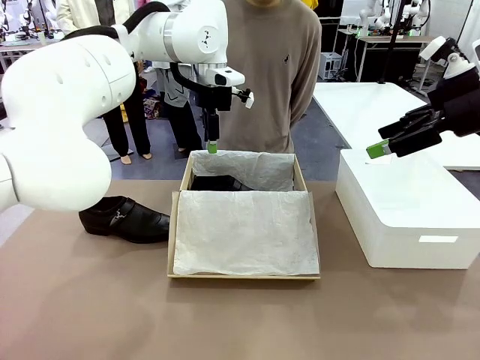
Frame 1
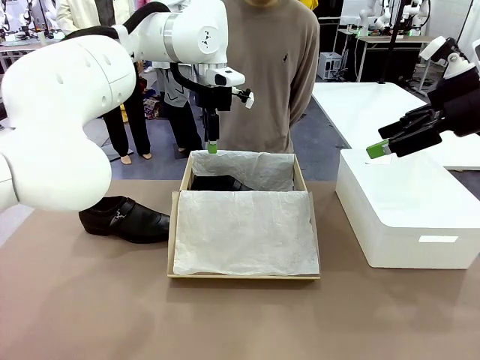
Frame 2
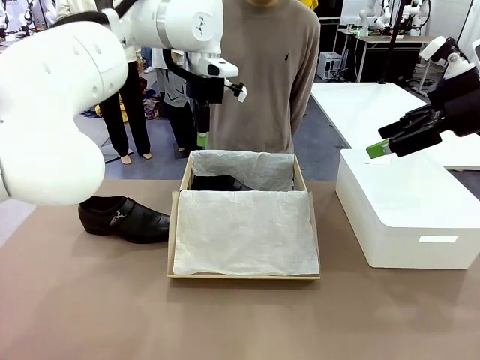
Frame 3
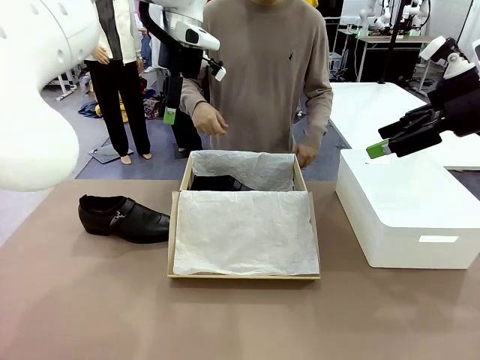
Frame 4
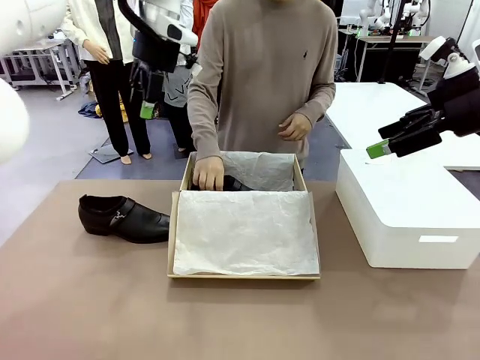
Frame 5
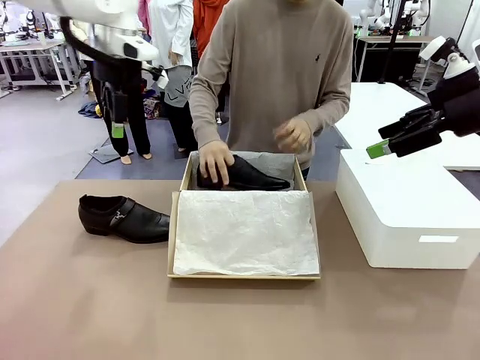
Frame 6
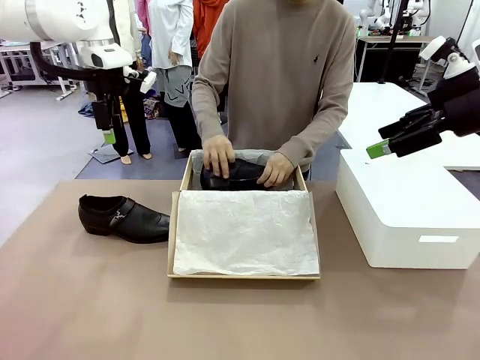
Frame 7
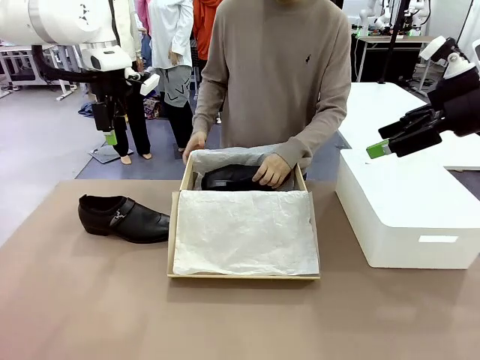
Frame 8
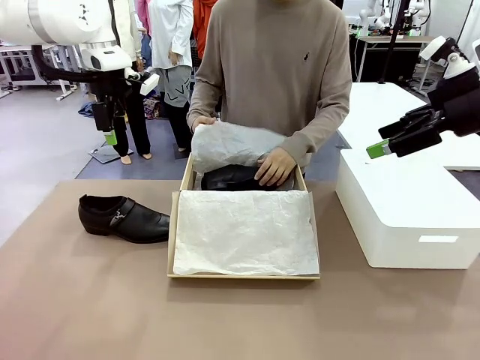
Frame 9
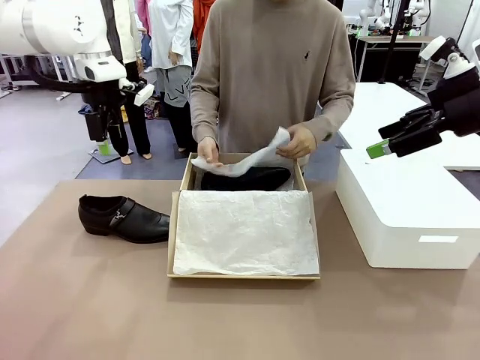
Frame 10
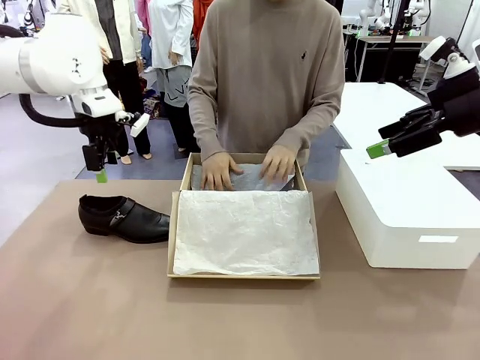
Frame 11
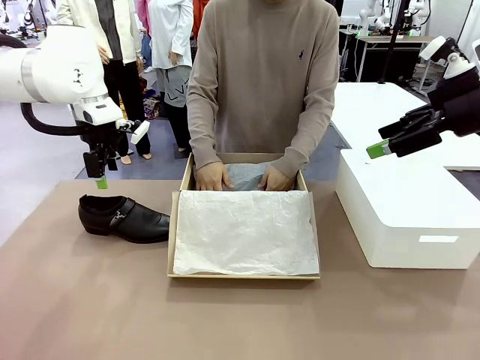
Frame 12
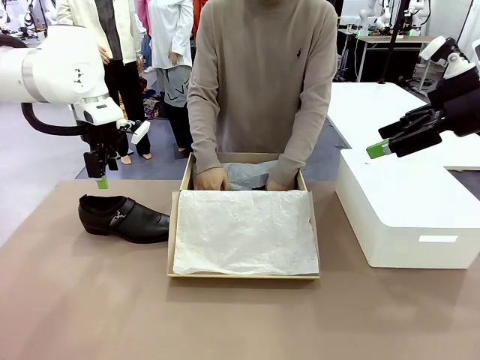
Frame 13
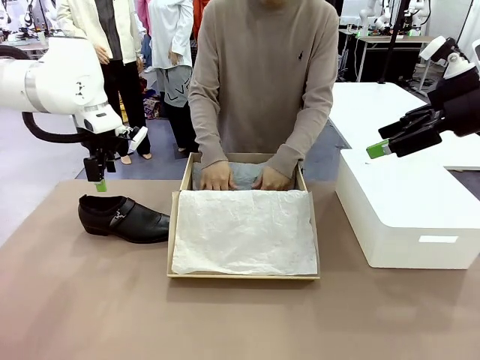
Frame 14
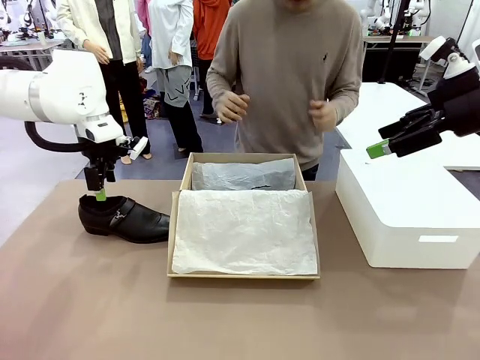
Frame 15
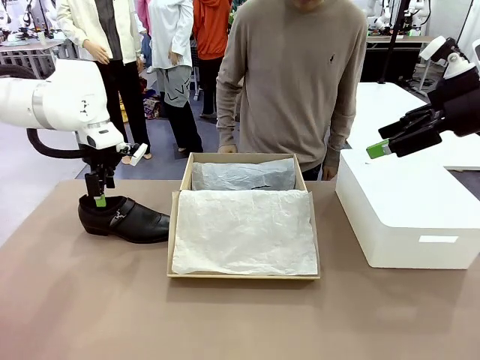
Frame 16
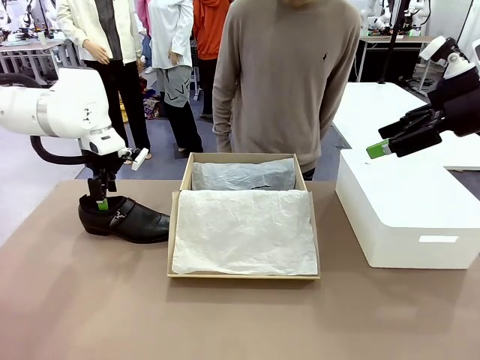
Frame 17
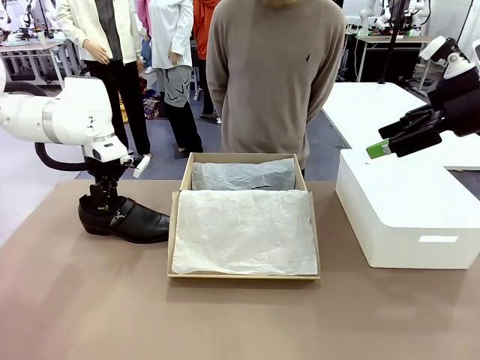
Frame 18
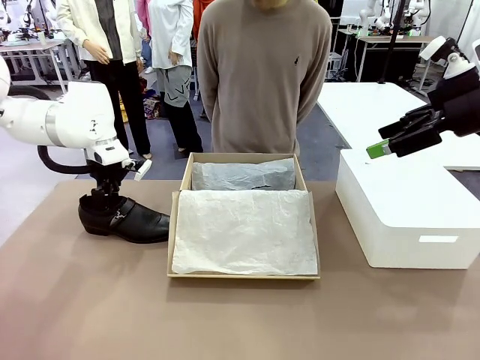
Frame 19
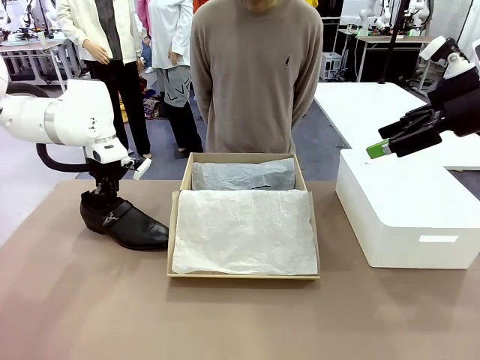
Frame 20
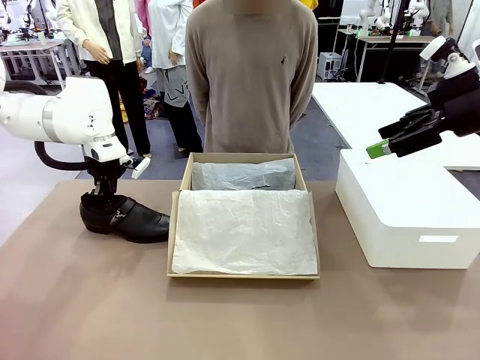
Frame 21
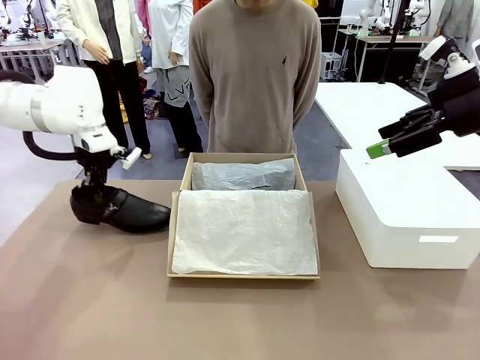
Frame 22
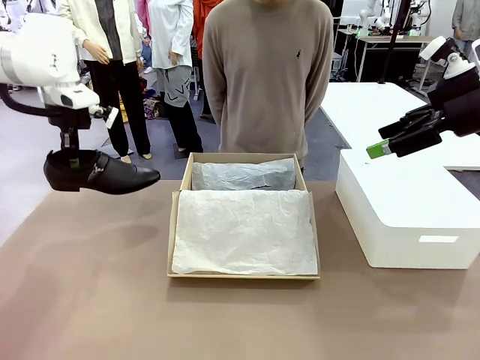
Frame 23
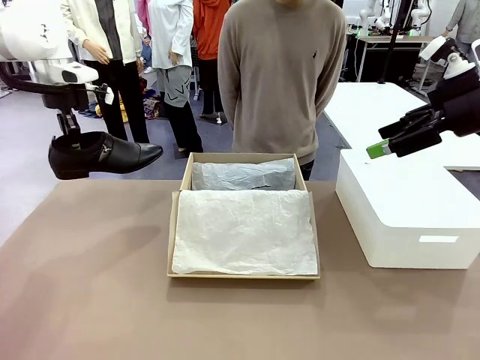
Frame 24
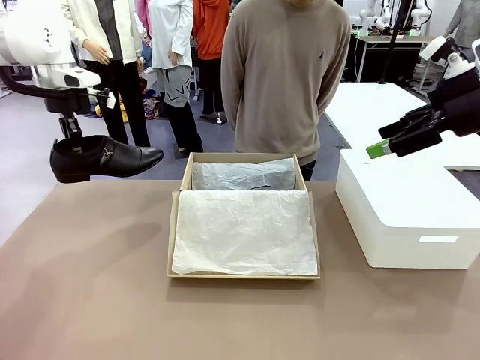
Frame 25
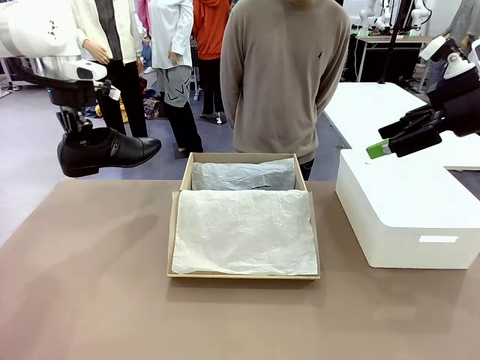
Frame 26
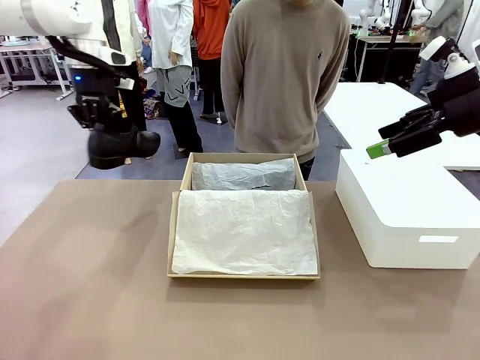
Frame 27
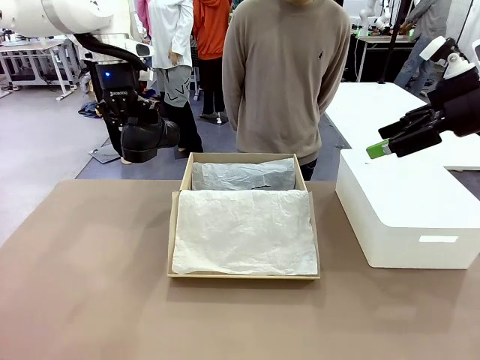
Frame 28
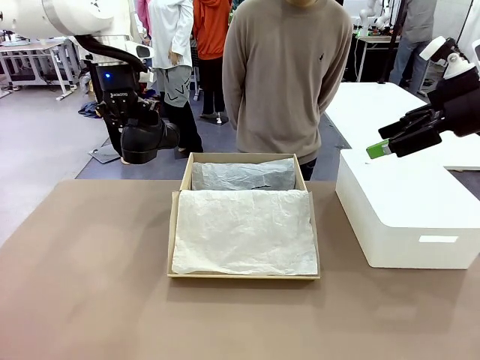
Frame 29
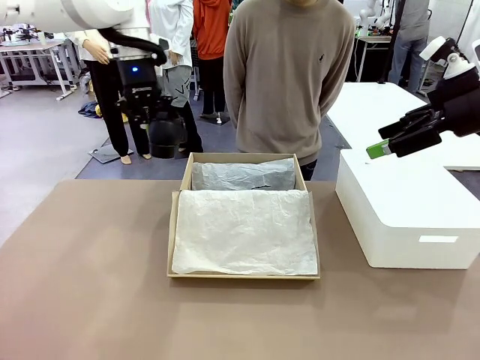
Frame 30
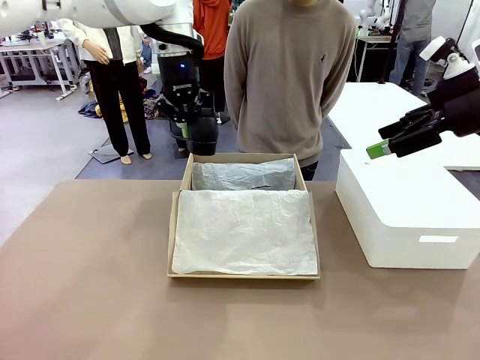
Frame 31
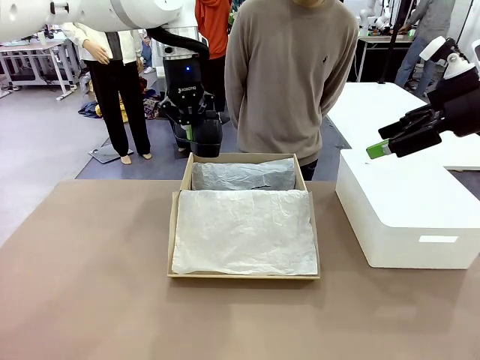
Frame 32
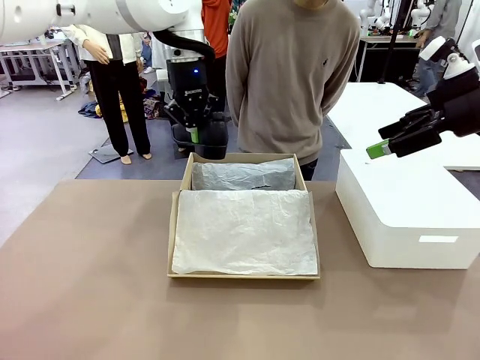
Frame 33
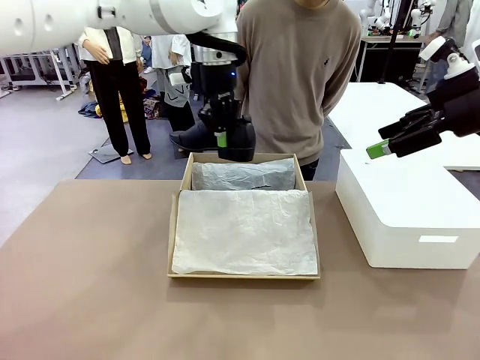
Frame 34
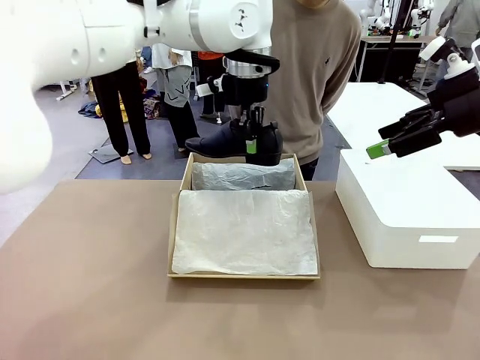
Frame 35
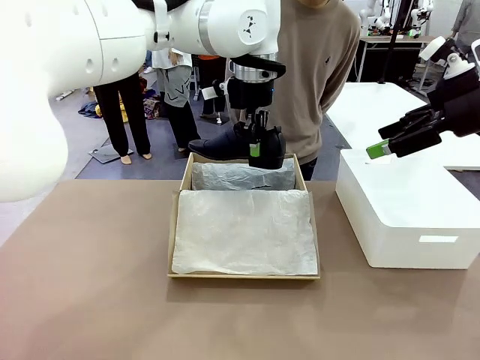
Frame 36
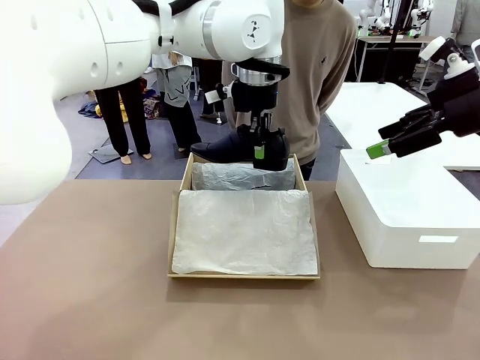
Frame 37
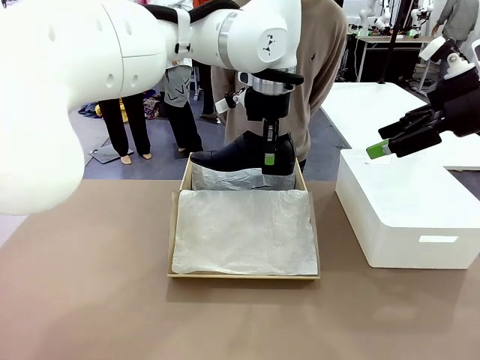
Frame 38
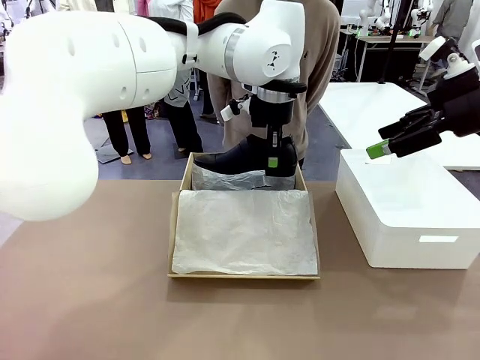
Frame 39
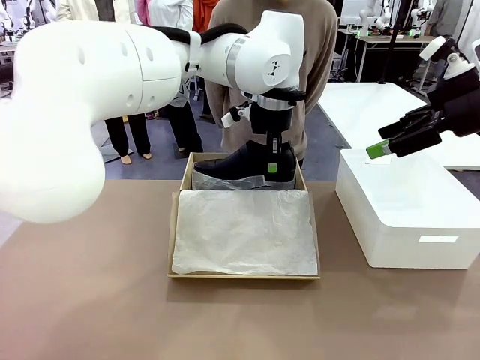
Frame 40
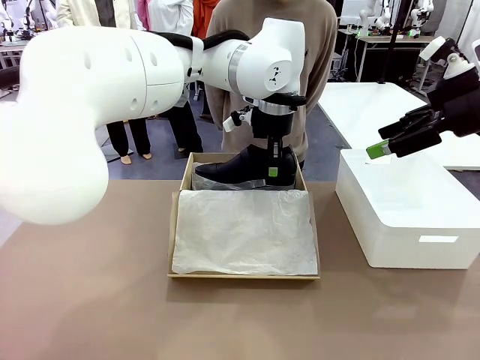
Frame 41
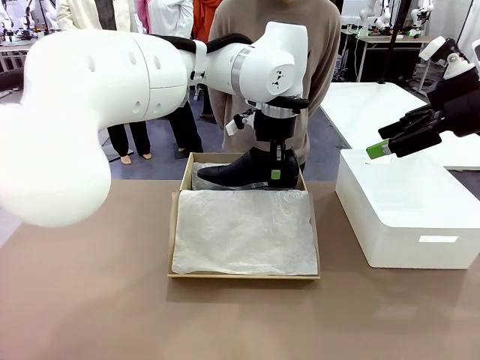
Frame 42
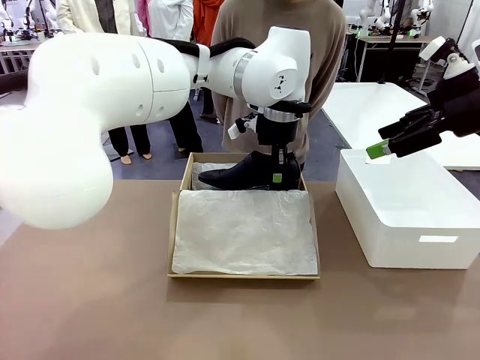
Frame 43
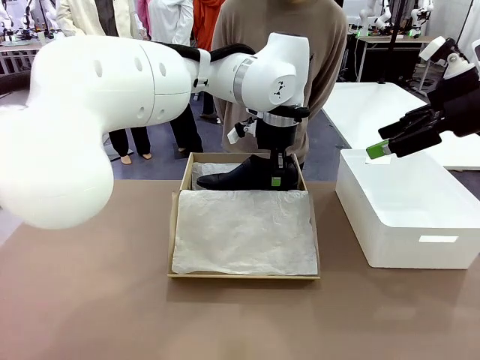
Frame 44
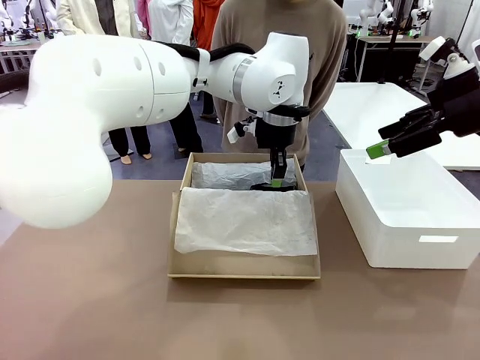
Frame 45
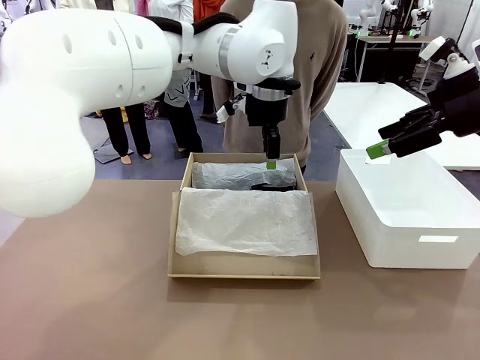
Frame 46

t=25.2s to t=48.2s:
Task: Pack the shoes into the box.
Robot: Place the other shoe of the Shoes into the Shoes Box.
Person: Pack a shoe of Shoes inside the Shoes Box with Shoes Wrapping Paper.

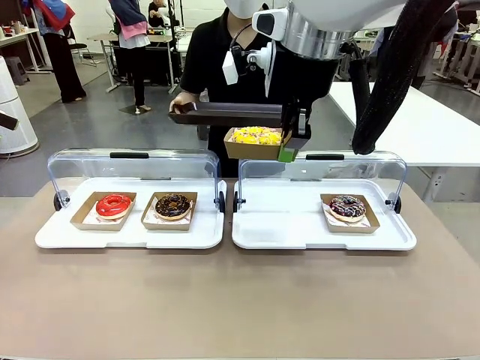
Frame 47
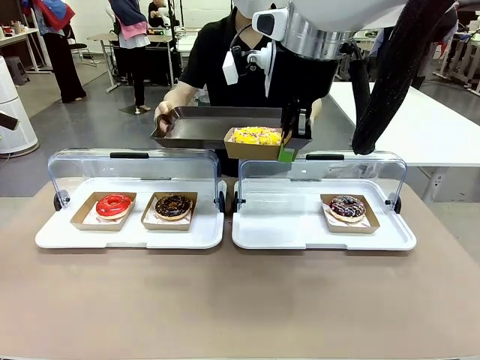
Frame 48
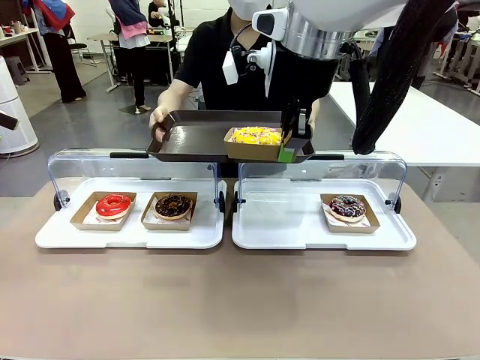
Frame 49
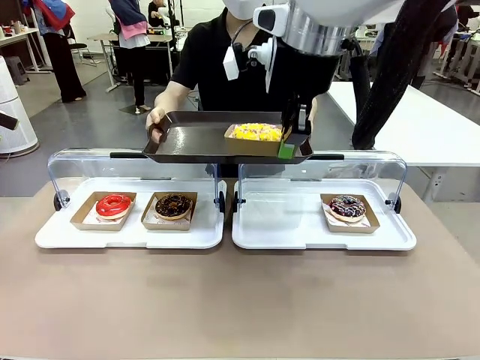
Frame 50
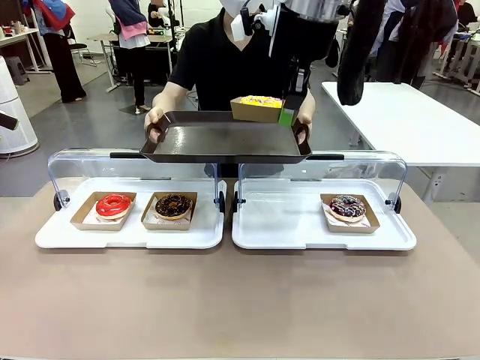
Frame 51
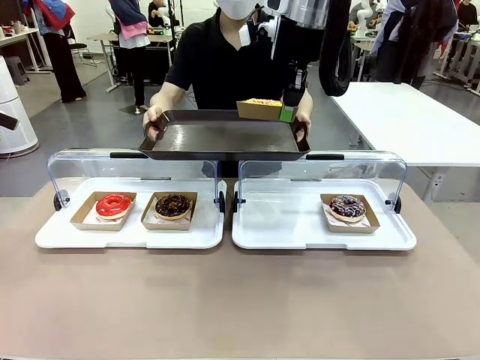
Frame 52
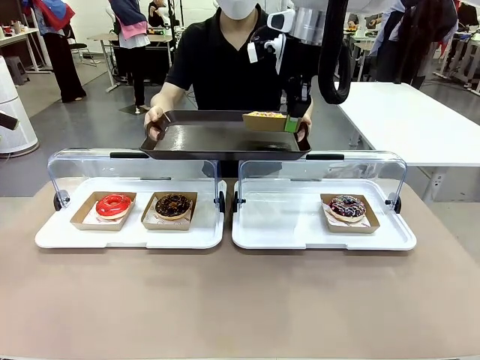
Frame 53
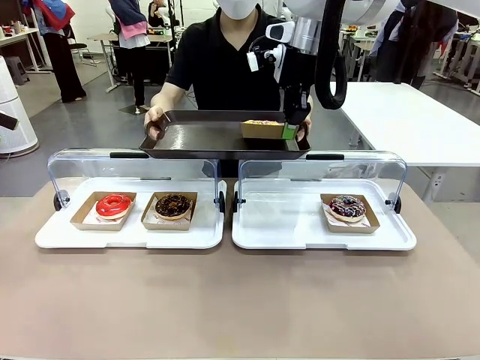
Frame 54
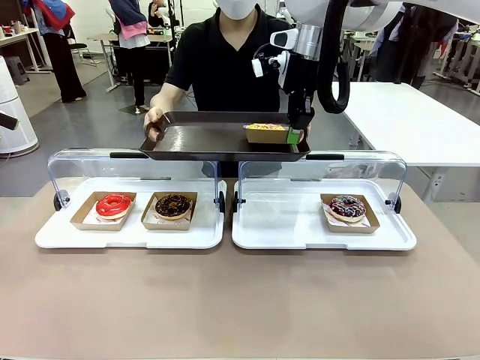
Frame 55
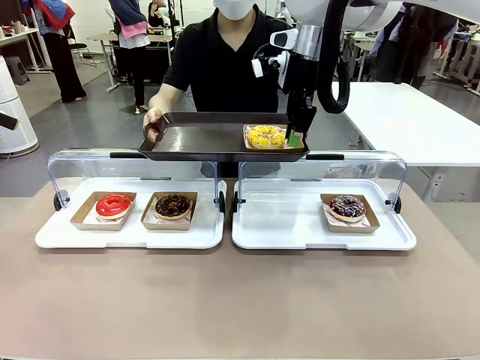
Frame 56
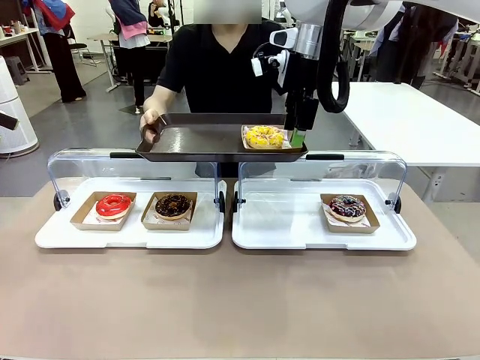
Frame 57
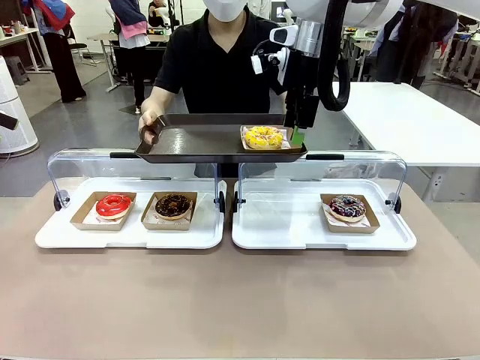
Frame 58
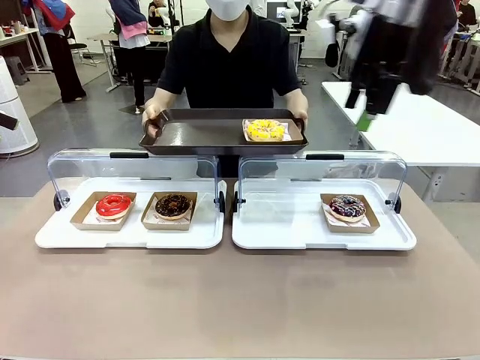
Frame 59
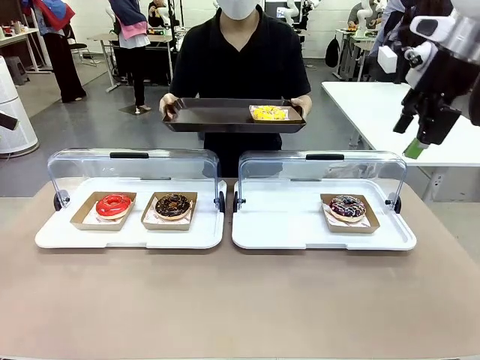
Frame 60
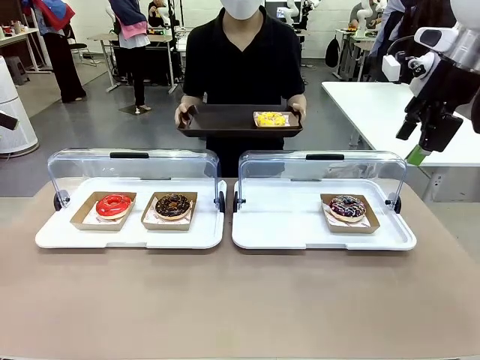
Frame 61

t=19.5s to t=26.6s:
Task: Provide the desired donut to the person.
Robot: Place the picked Paper togo box onto the Handle tray extended by the person.
